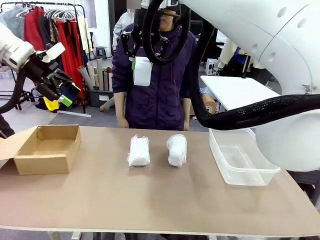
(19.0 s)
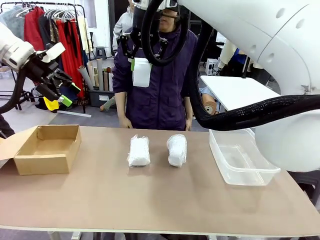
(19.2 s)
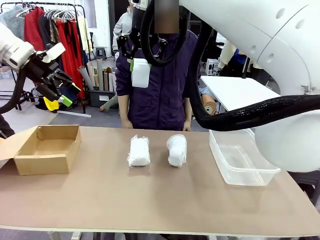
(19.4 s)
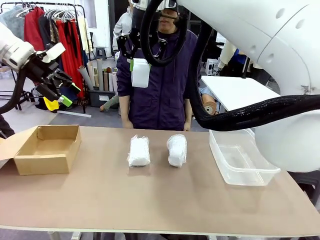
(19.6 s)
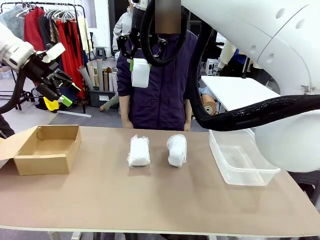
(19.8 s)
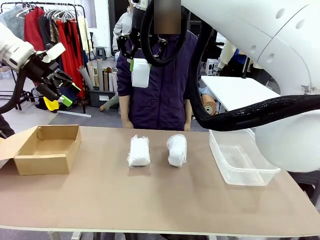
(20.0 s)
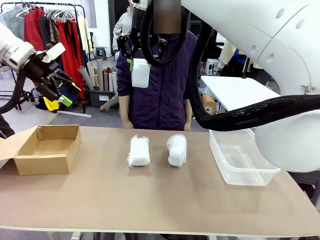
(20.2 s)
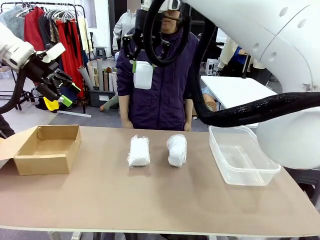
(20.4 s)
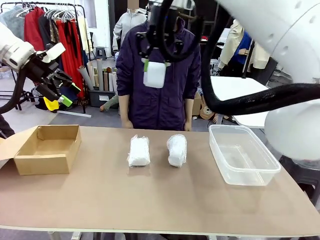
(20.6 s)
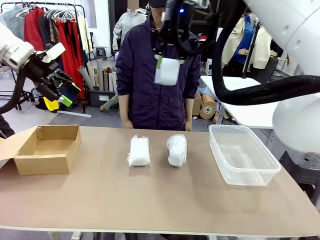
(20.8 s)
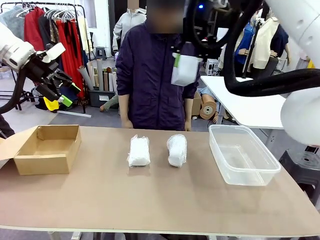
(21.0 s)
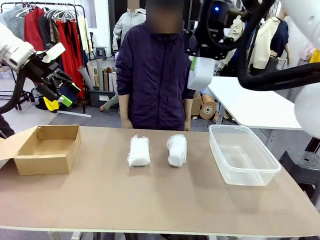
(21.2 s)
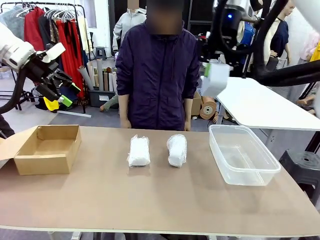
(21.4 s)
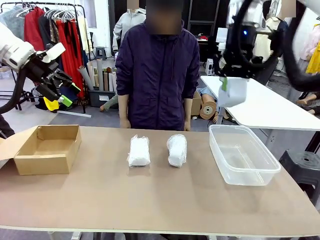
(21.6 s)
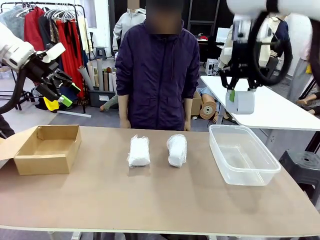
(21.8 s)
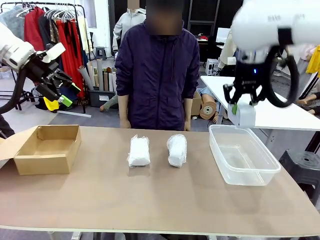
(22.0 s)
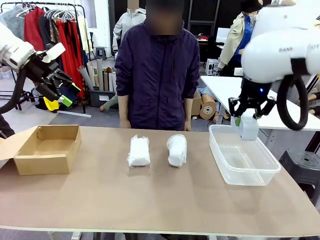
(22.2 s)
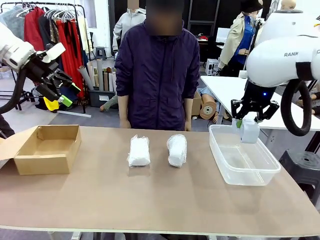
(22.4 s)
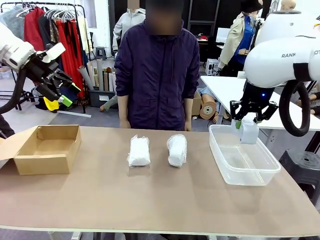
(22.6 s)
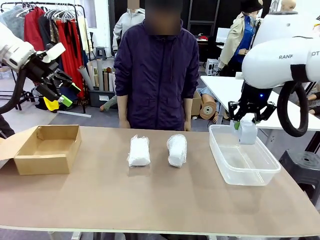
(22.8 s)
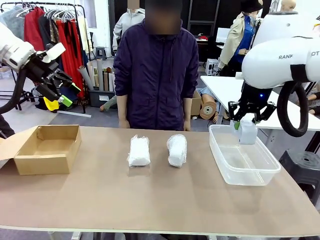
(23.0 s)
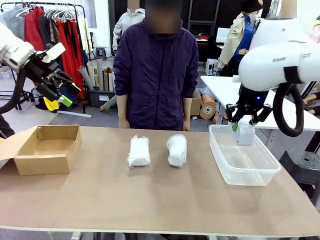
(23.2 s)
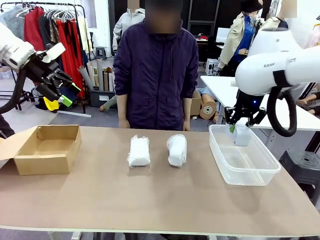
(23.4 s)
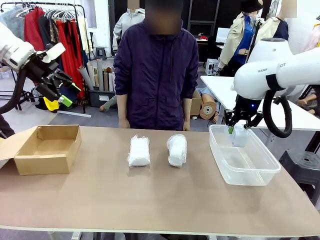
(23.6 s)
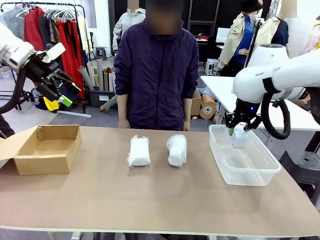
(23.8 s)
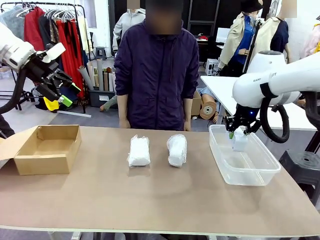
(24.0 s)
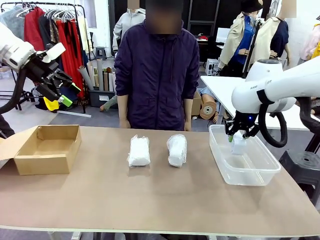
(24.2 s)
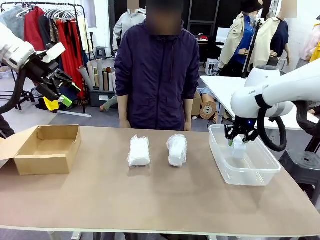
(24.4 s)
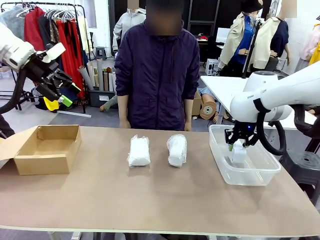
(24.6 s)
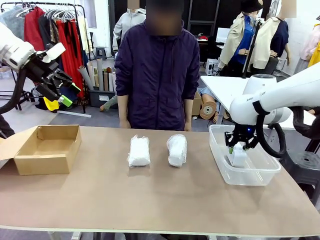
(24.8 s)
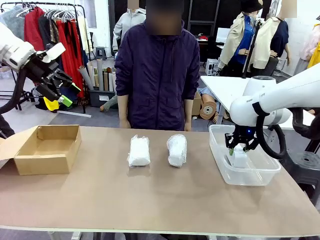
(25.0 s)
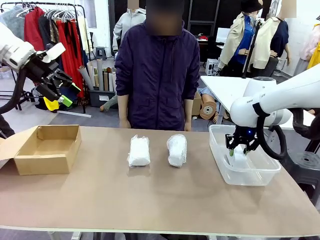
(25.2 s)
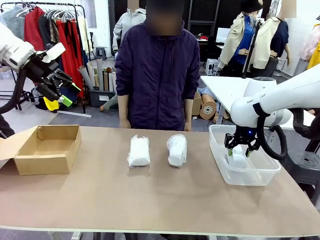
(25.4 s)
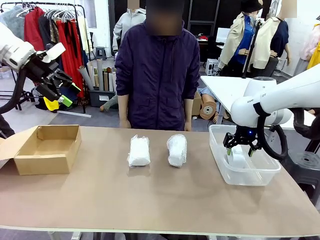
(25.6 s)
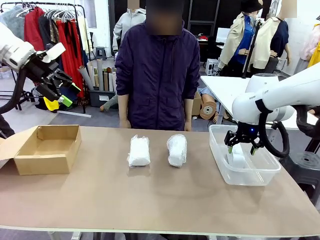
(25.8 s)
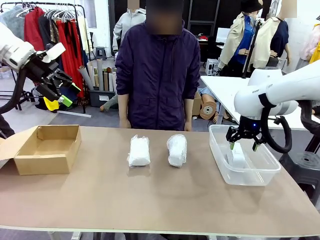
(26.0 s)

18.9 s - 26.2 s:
Task: Separate and place wrapped and unwrapped clocks.
Robot: If the picked Digital clock is wrapped, place it in the Package Box ; if not, place it in the Organizing box.

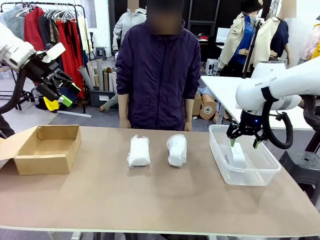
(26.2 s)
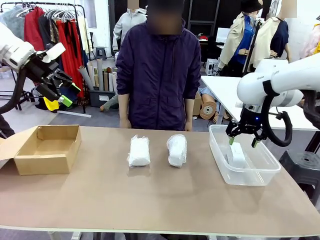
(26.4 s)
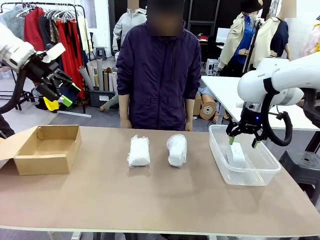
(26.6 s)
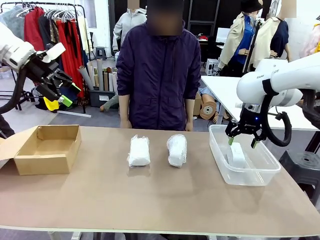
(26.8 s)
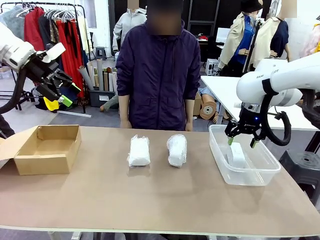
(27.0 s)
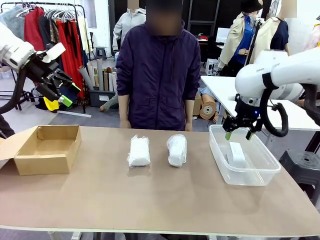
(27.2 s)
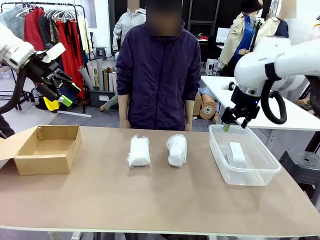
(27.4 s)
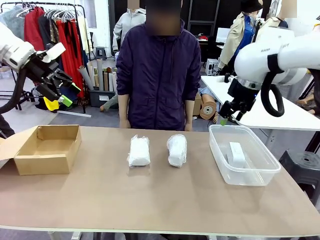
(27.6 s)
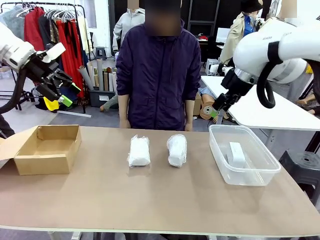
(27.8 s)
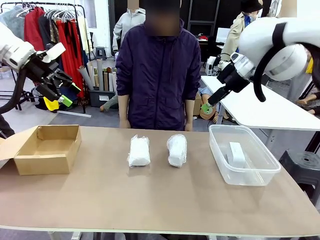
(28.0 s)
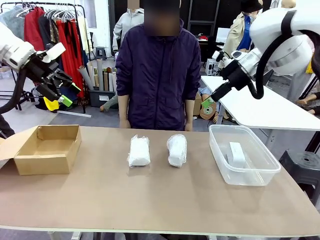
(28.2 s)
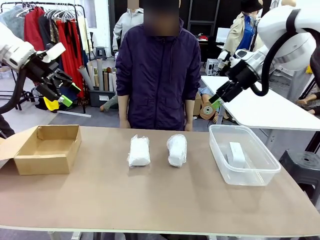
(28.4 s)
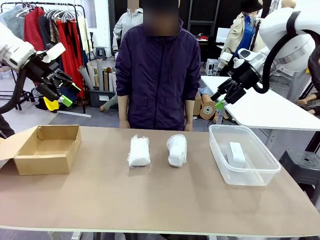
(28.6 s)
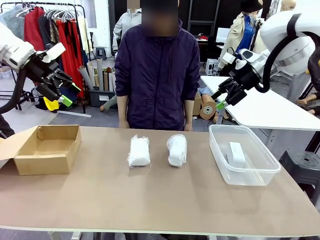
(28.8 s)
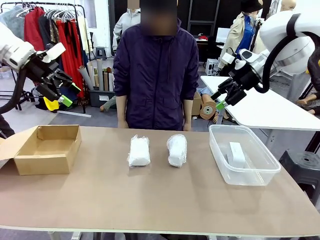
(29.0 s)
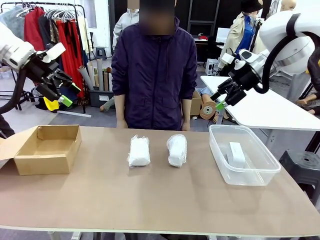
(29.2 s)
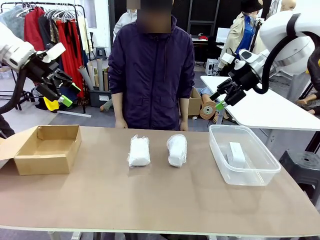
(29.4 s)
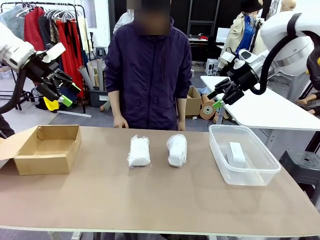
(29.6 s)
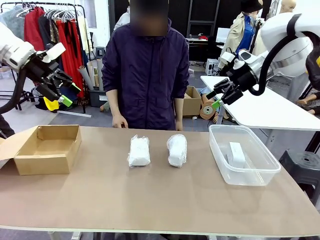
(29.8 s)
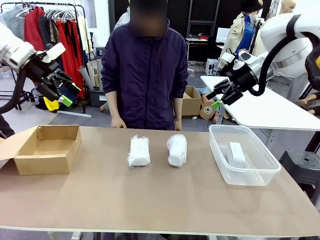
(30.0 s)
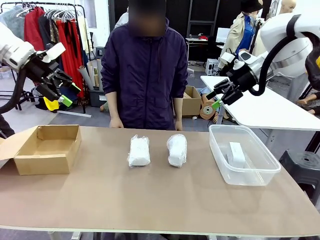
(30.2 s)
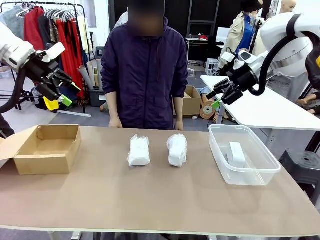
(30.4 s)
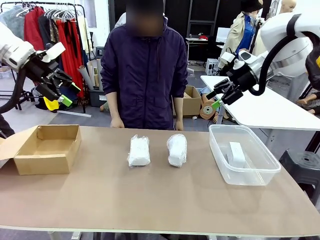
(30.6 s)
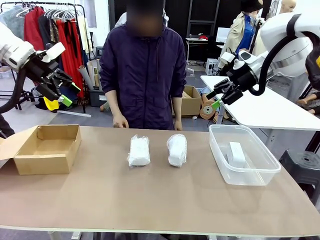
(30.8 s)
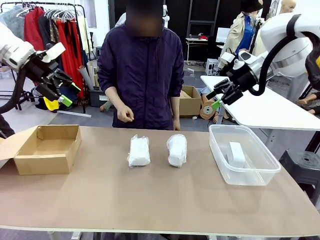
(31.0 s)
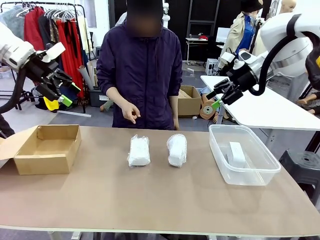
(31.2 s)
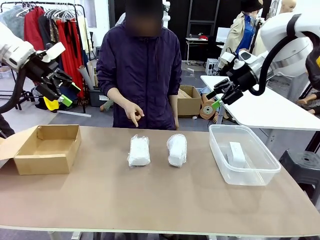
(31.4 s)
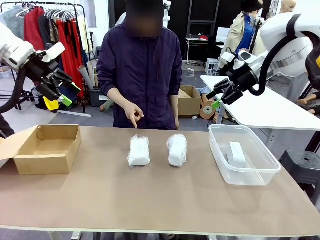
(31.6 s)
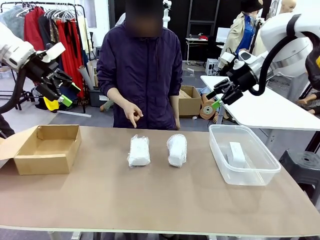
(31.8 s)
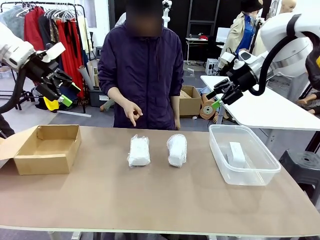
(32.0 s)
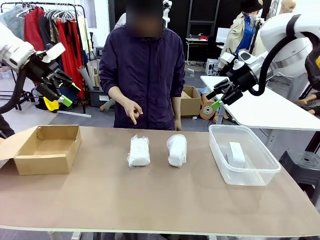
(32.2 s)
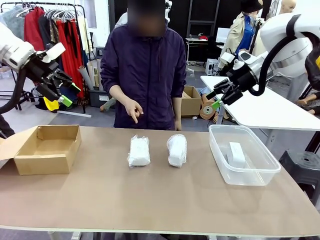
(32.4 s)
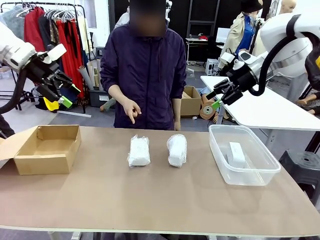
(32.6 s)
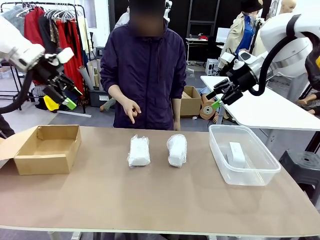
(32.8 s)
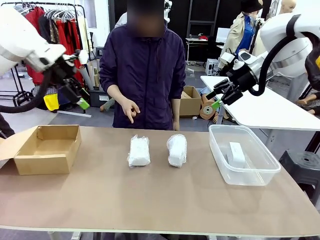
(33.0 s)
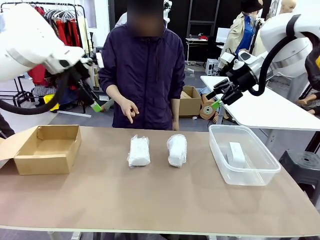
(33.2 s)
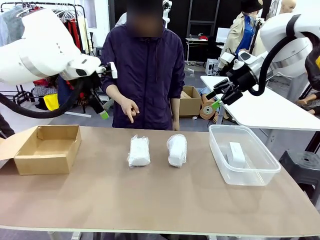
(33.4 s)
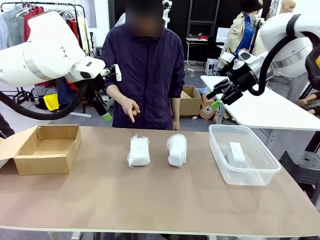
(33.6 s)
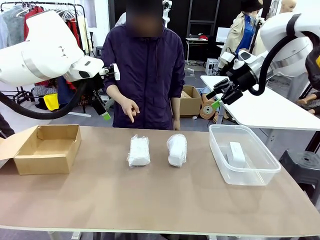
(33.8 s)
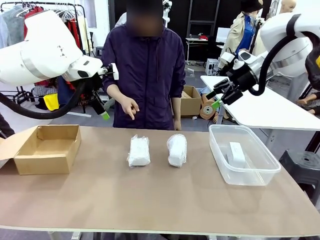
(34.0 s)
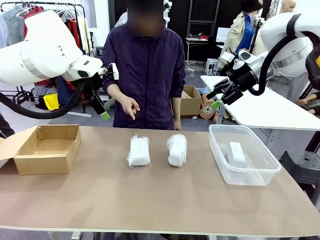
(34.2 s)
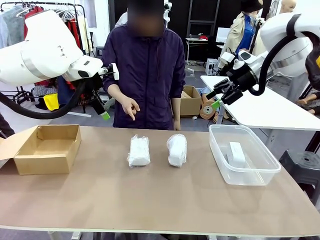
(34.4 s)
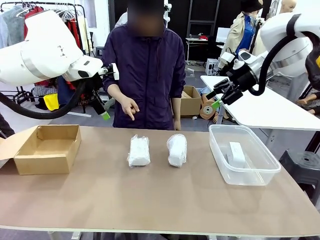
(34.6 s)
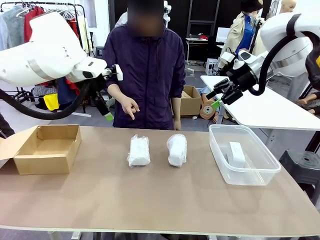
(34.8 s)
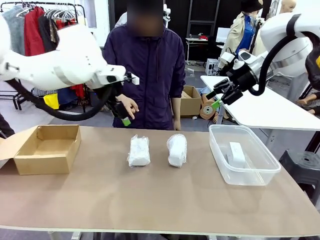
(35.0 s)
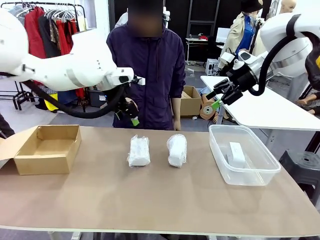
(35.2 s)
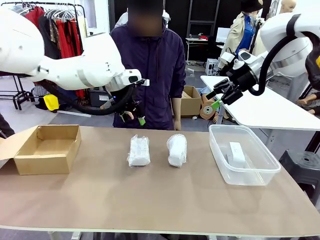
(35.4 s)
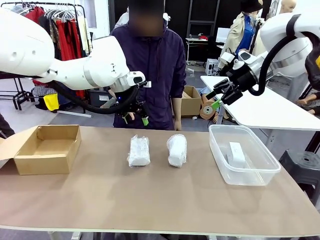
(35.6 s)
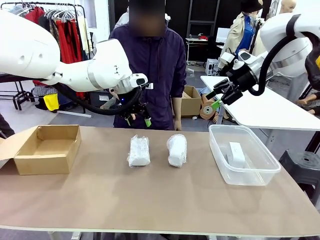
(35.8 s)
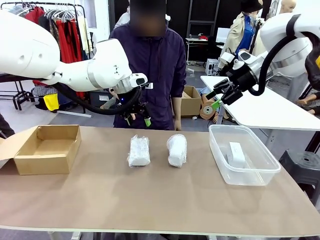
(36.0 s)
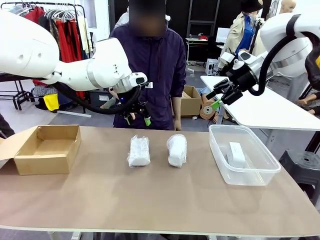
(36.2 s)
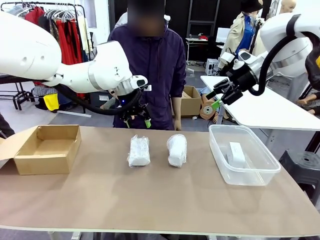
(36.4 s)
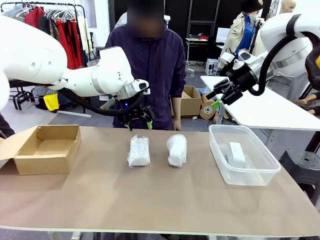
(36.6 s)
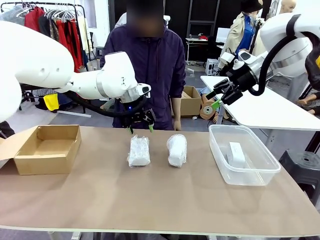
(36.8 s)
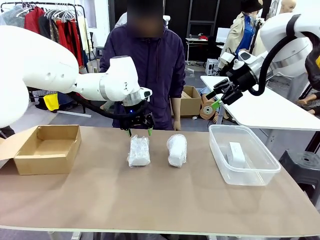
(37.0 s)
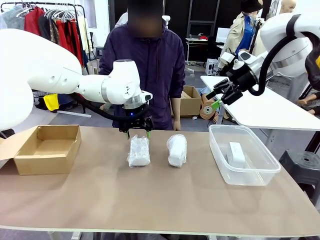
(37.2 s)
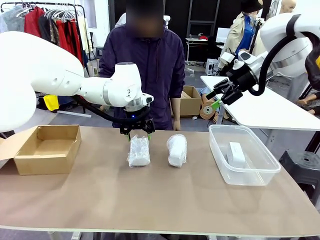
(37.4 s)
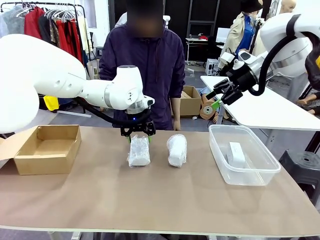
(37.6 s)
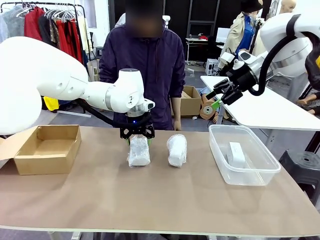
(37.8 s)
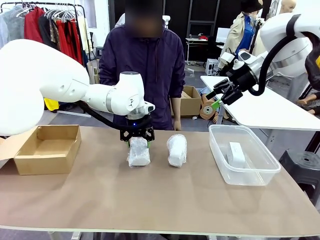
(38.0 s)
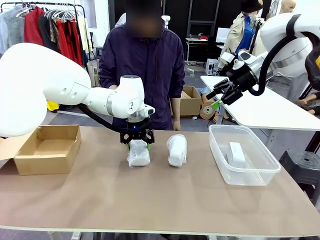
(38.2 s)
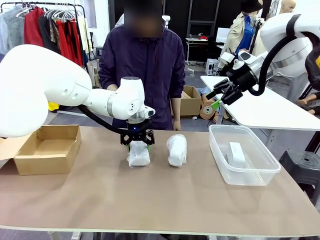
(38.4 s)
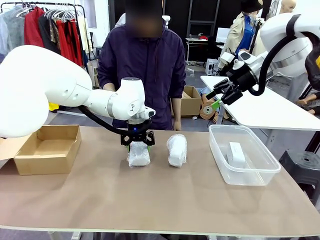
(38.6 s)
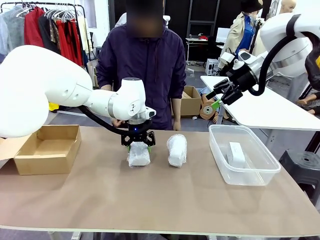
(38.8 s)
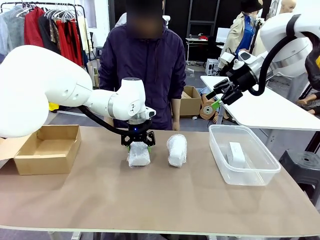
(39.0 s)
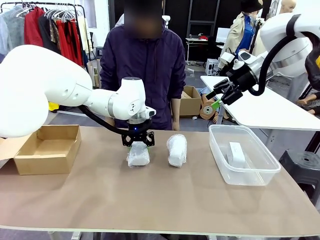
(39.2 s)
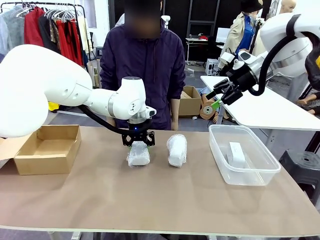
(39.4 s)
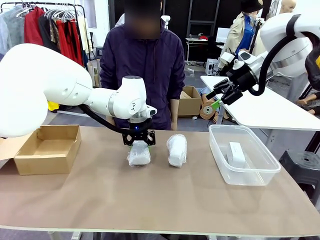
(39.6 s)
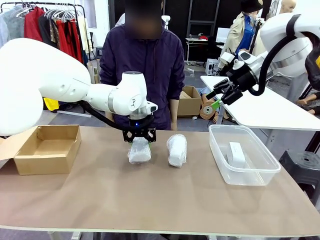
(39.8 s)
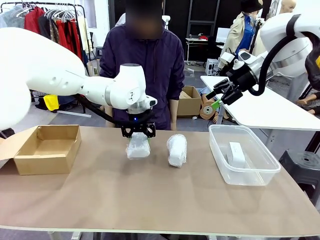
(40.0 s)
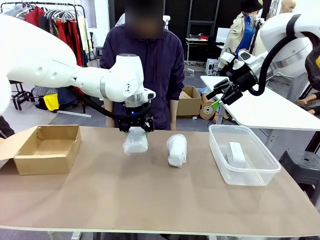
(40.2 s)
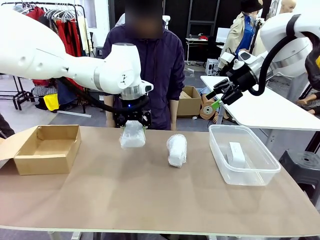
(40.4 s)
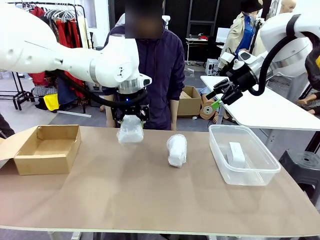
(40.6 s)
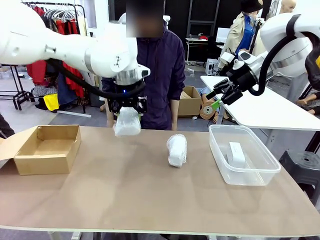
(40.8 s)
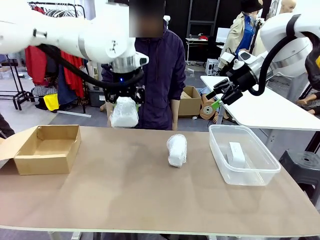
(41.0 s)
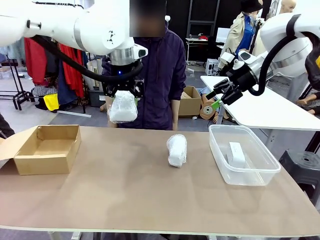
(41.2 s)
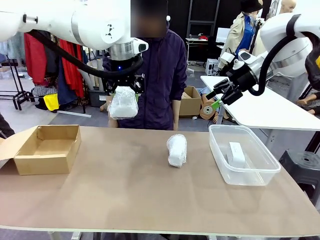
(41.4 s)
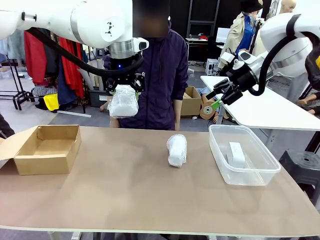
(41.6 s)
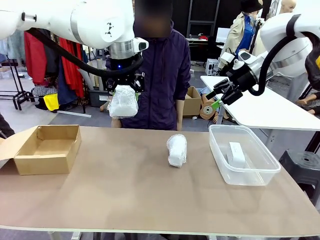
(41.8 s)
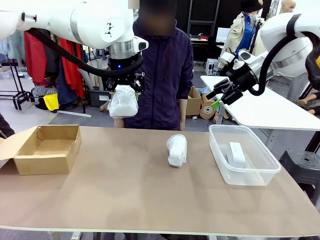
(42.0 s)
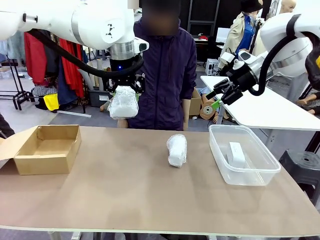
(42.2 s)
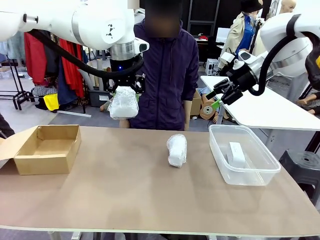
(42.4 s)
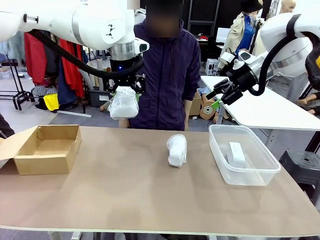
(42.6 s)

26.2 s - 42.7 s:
Robot: Pick up the Digital clock indicated by the person.
